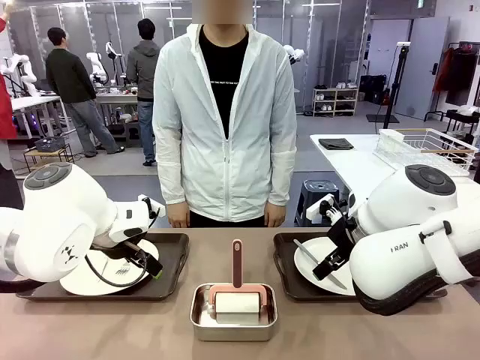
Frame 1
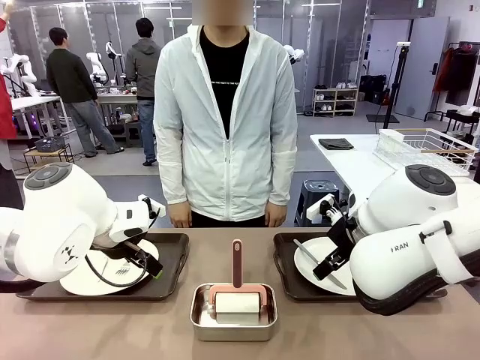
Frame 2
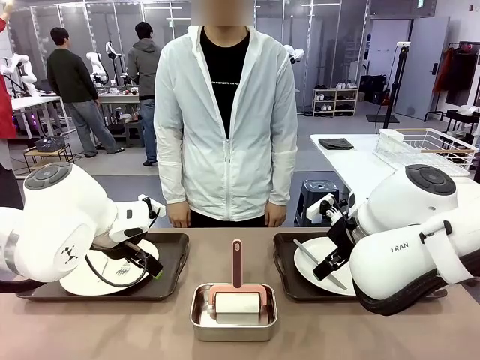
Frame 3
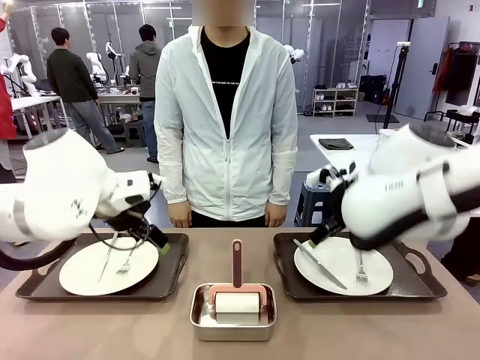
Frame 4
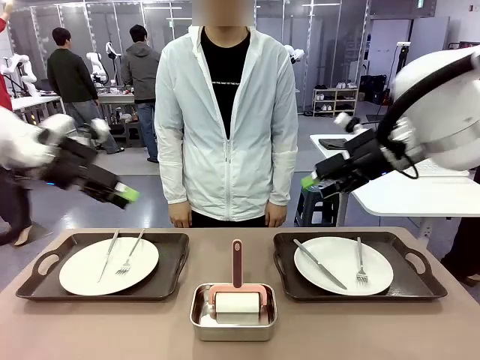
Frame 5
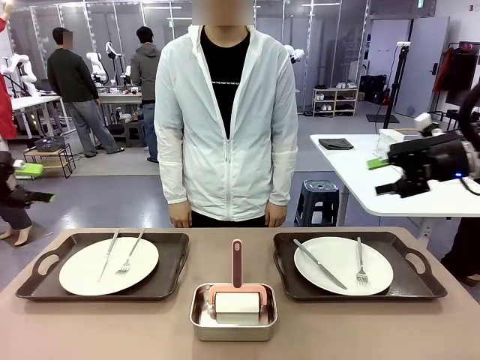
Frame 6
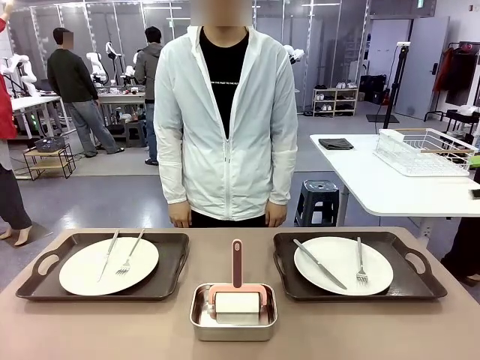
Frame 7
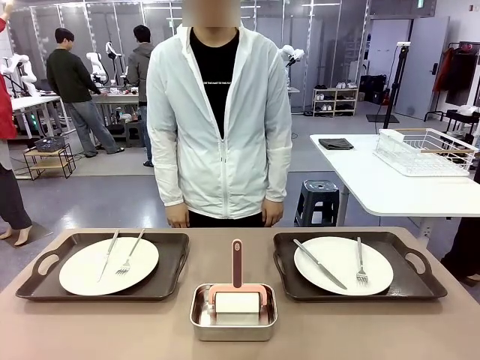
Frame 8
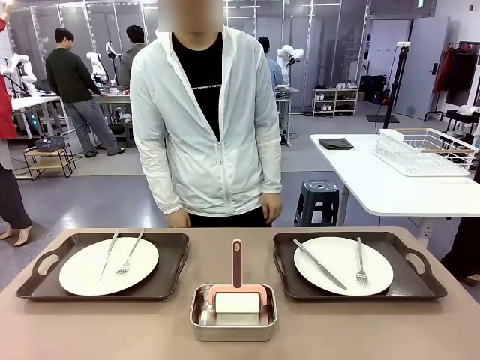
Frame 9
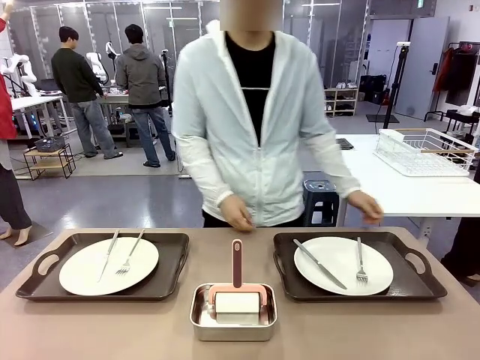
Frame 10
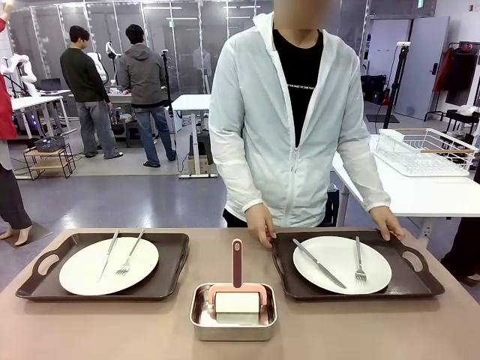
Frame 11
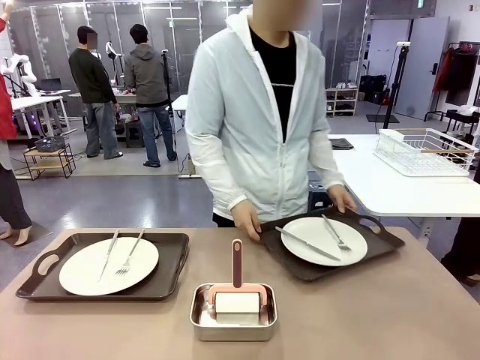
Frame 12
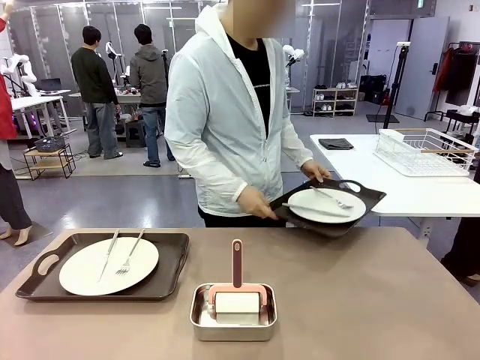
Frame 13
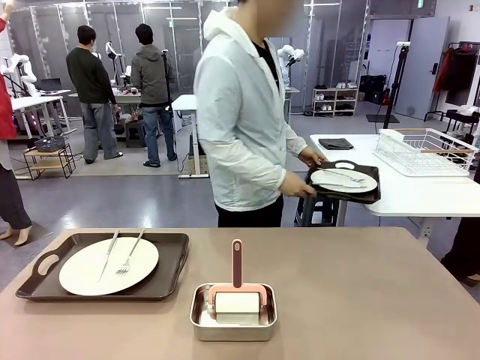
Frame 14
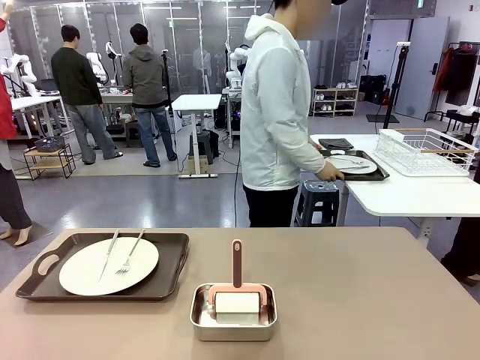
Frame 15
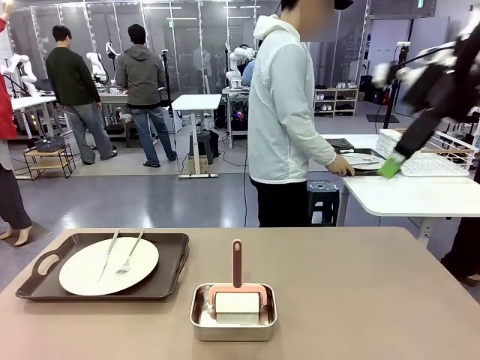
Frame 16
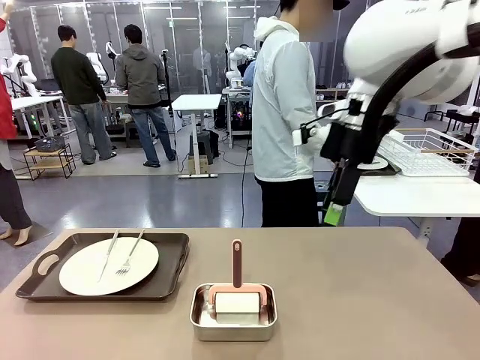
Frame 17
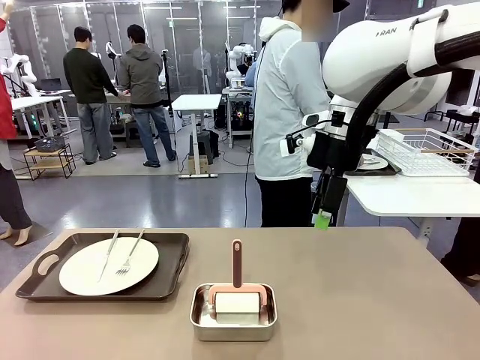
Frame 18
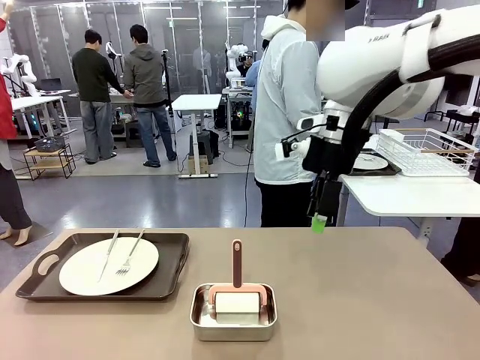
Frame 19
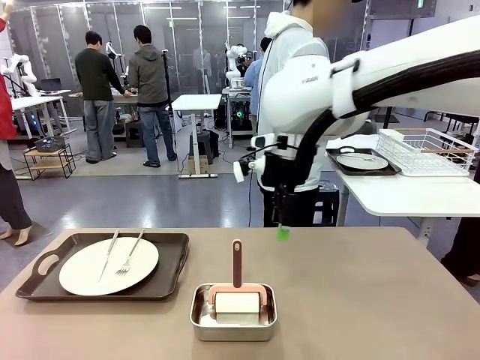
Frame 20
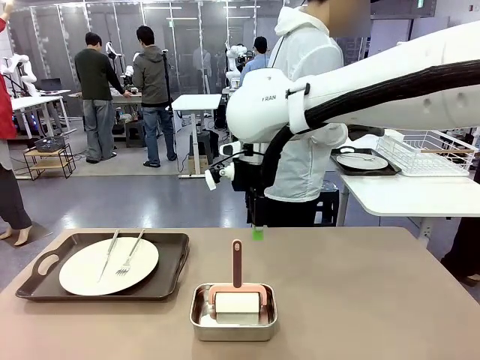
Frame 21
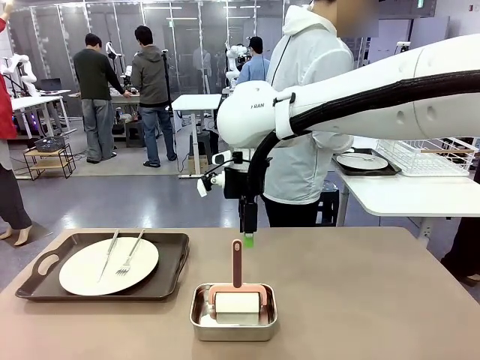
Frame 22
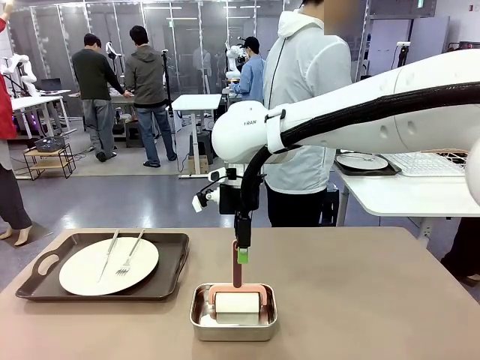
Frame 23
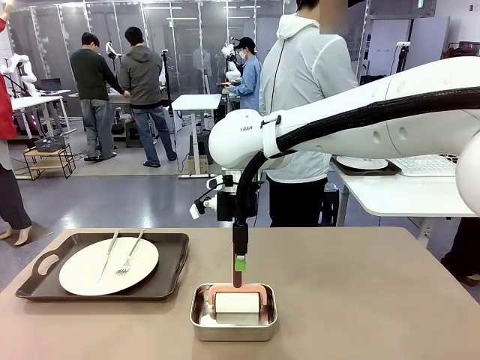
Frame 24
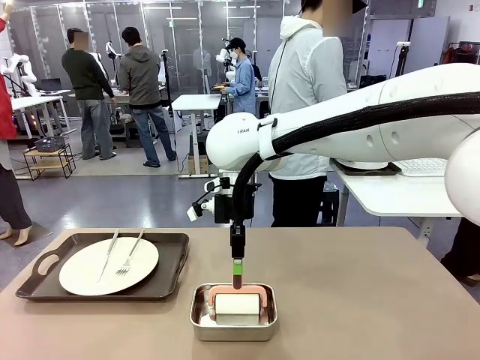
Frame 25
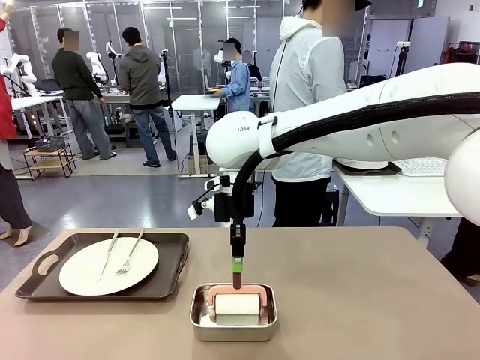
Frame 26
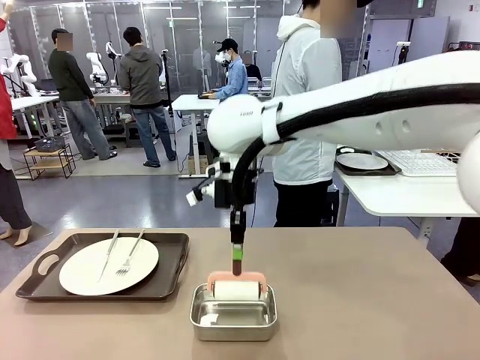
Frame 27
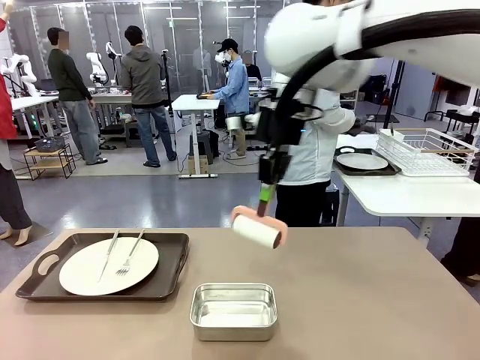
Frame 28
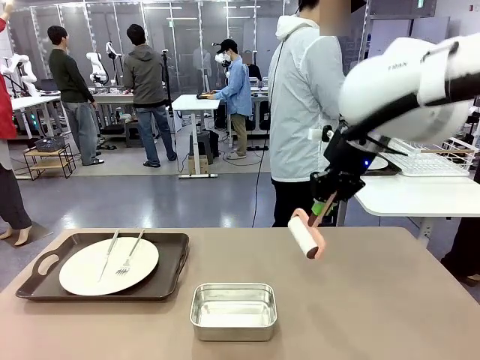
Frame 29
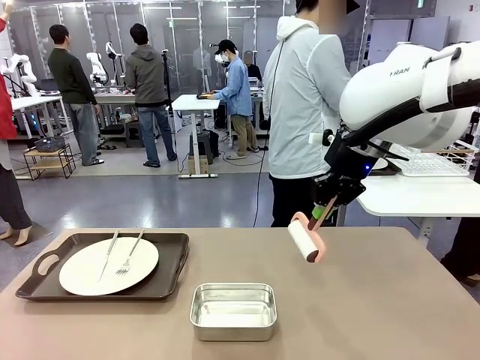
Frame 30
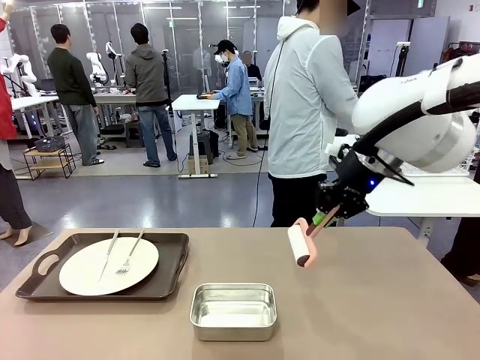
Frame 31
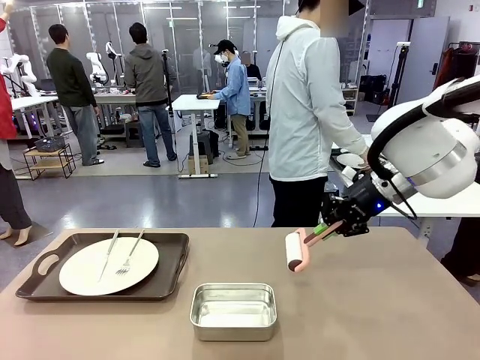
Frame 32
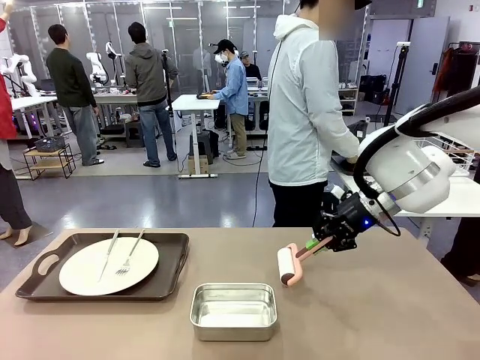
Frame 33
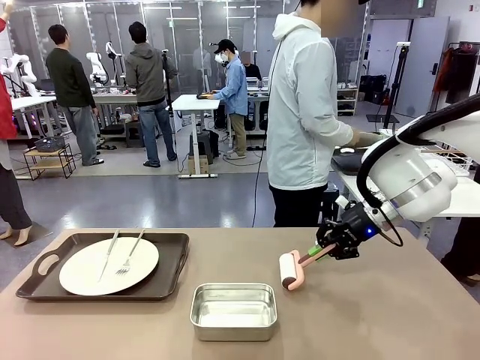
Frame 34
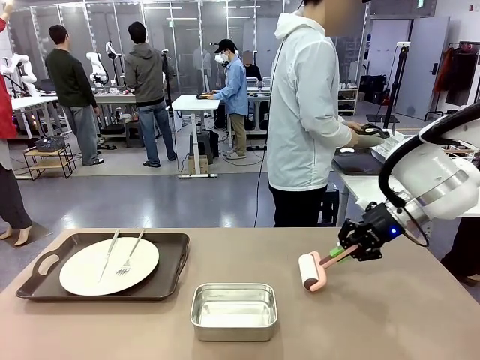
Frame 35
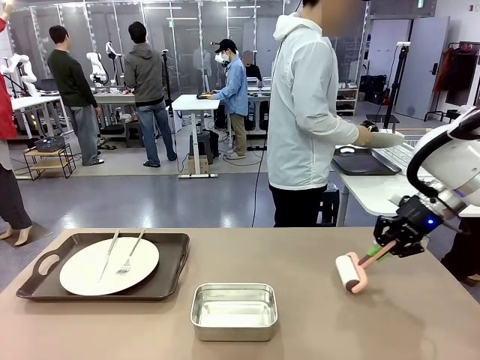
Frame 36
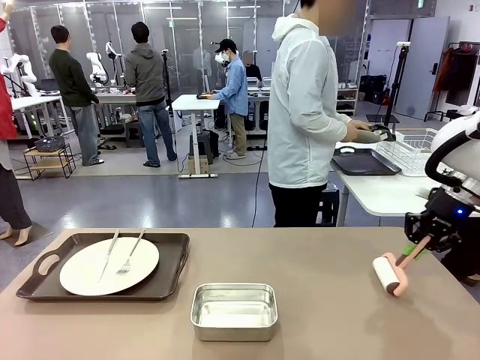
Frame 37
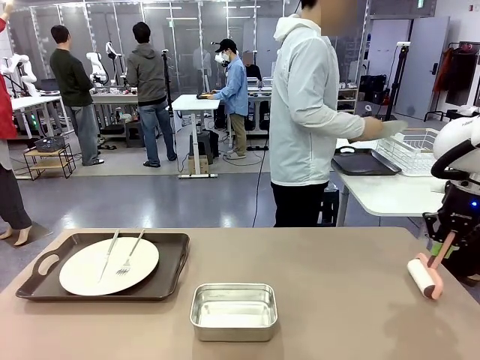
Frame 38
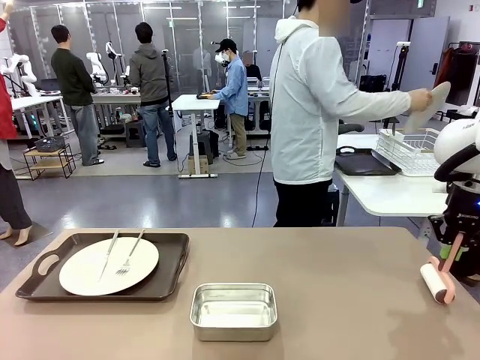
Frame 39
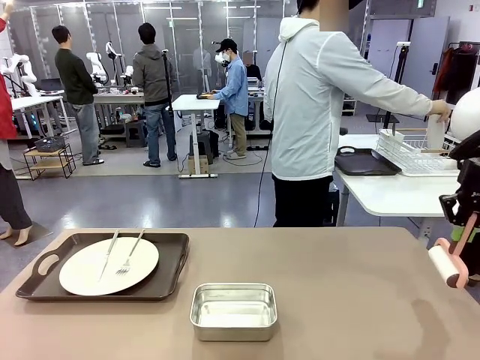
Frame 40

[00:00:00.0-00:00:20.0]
Robot: When the left (or right) Handle tray is removed, use the left hand (or right hand) to clean the left (or right) side of the table with the Lint Roller.
Person: Pick up the left (or right) Handle tray and place it on the middle of the Human's table. Use the Towel with hook to wipe the Plastic Matte Plate , Fork , and Knife and place into the Dish drying rack.

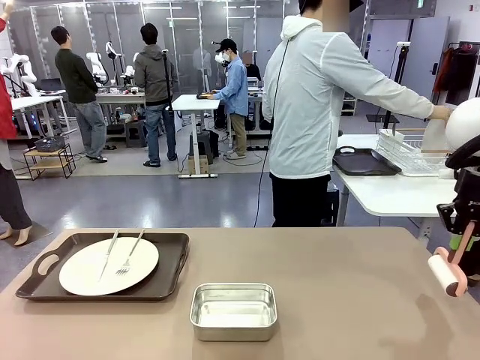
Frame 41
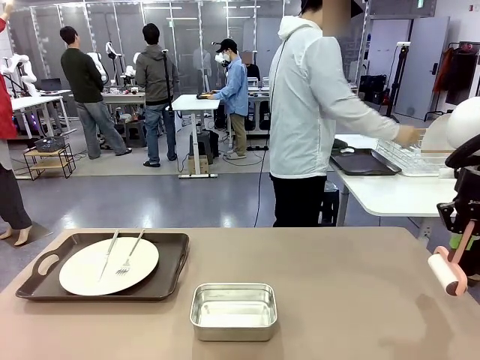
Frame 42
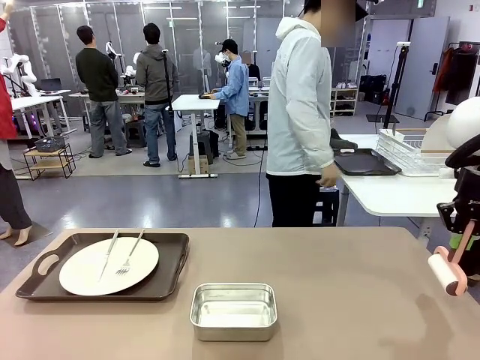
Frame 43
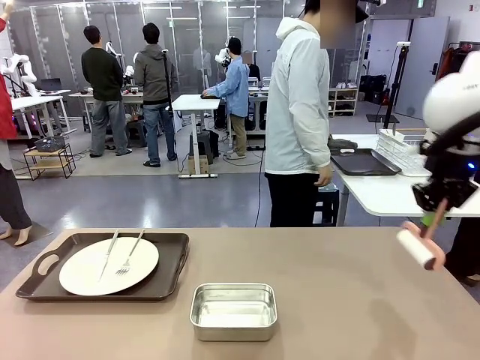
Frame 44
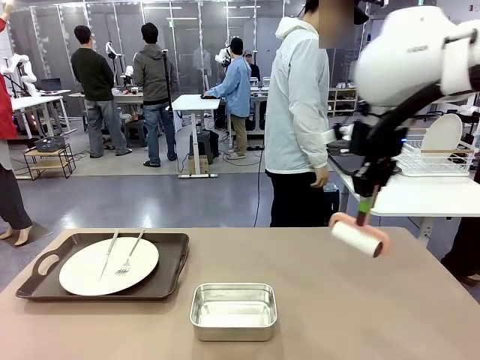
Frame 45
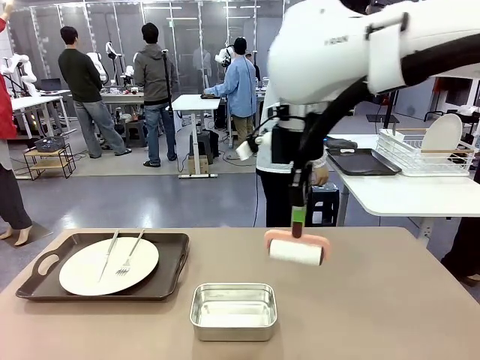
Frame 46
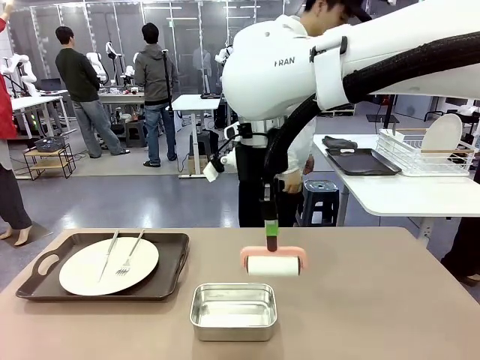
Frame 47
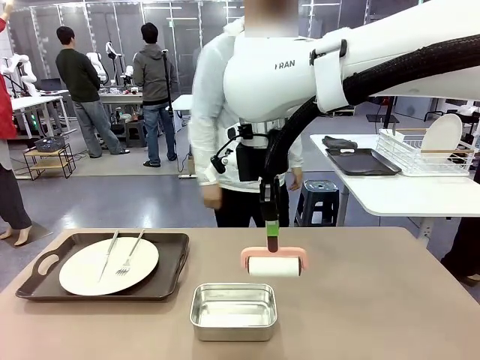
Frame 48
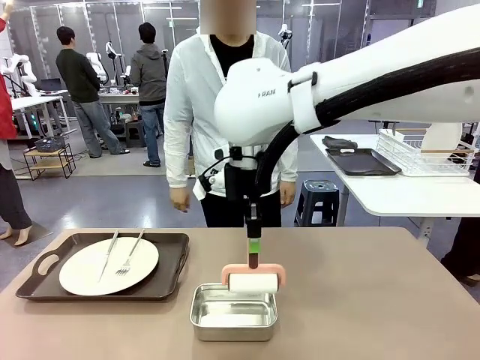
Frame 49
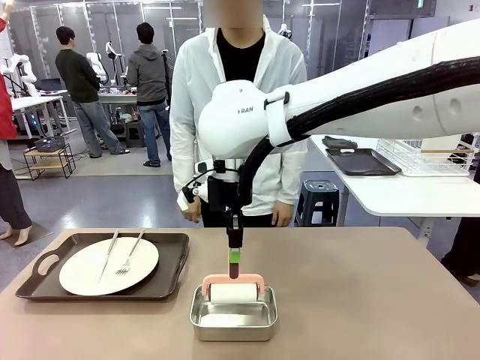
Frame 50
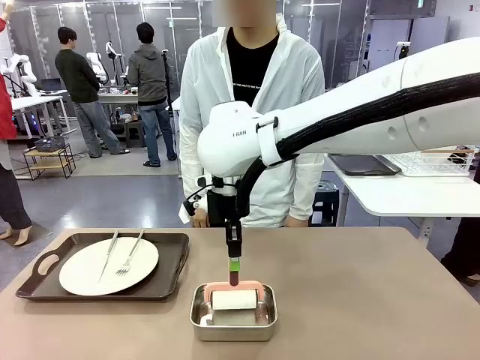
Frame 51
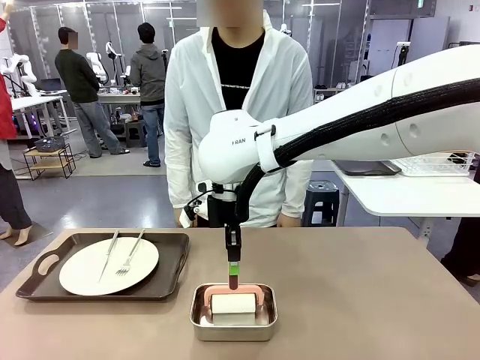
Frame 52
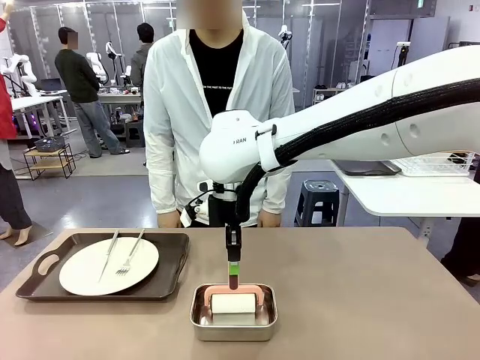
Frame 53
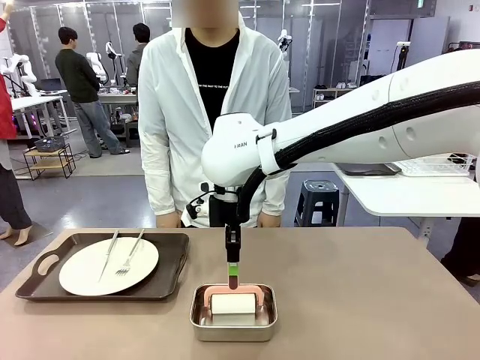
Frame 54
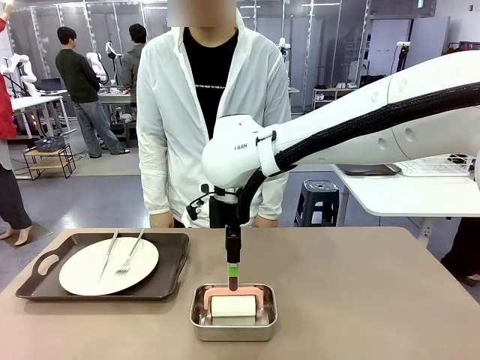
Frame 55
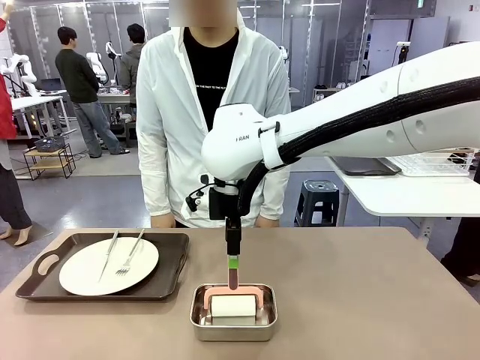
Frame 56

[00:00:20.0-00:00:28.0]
Robot: Place the Lint Roller back on top of the Airtight Container.
